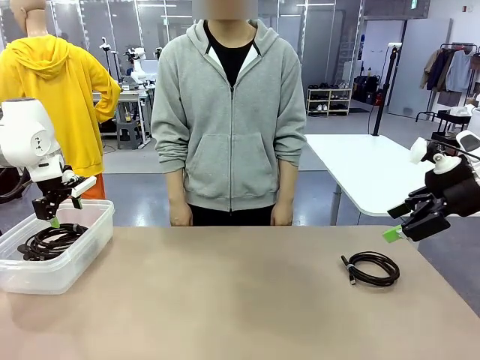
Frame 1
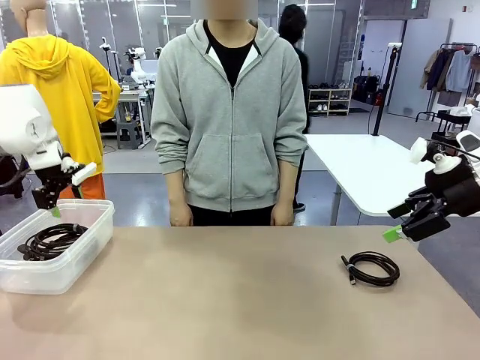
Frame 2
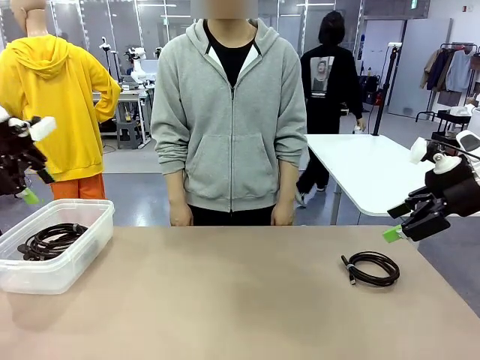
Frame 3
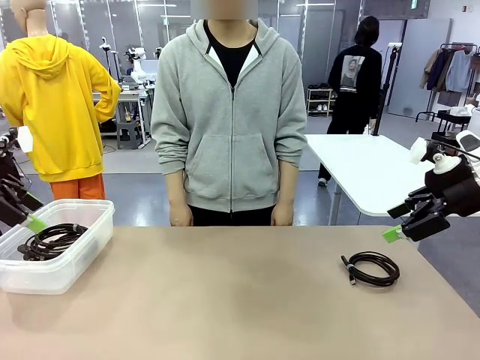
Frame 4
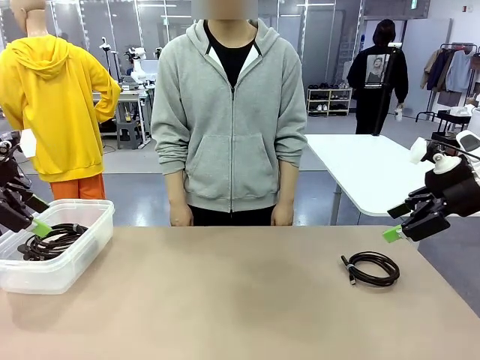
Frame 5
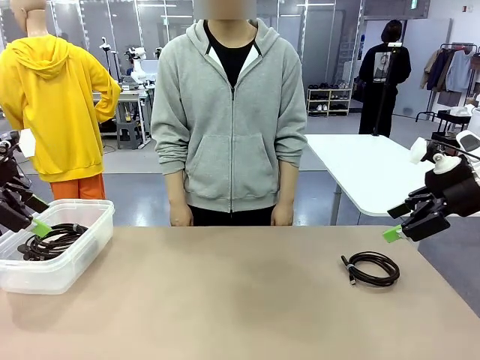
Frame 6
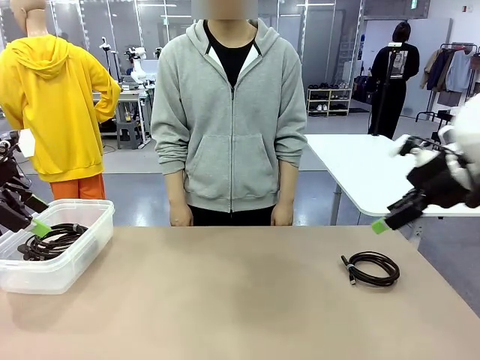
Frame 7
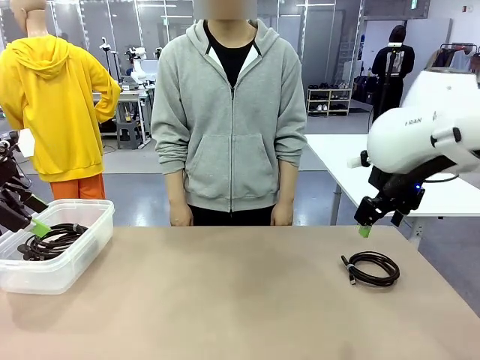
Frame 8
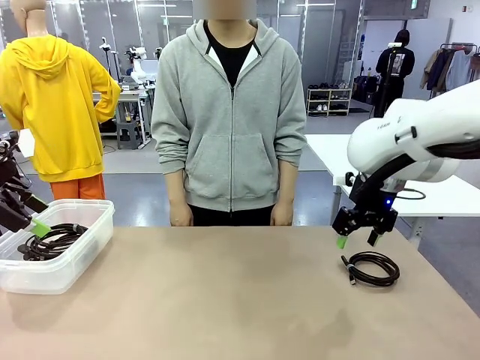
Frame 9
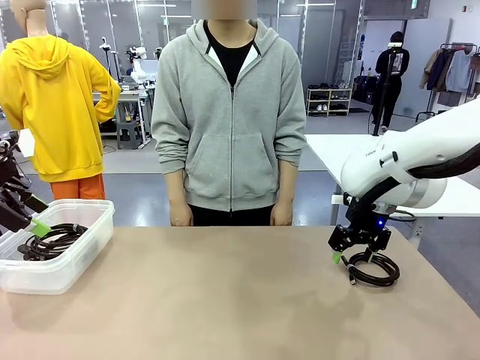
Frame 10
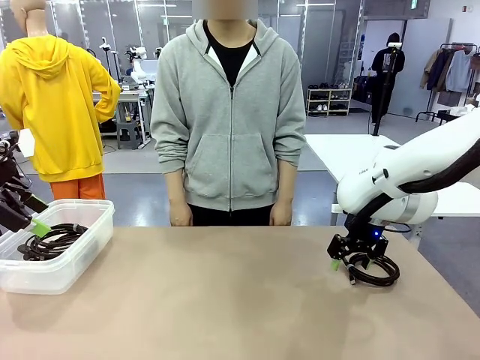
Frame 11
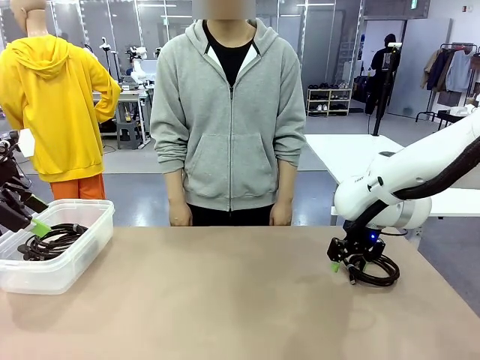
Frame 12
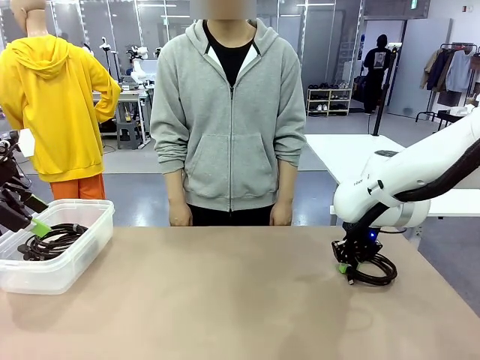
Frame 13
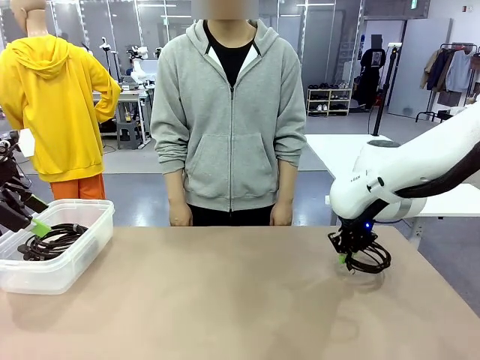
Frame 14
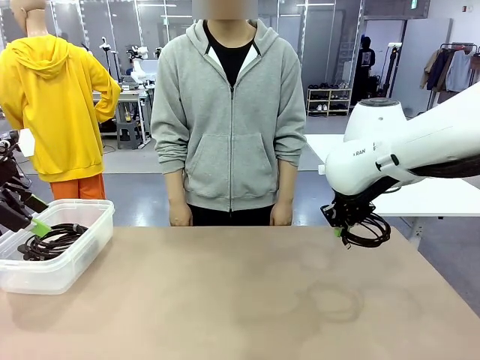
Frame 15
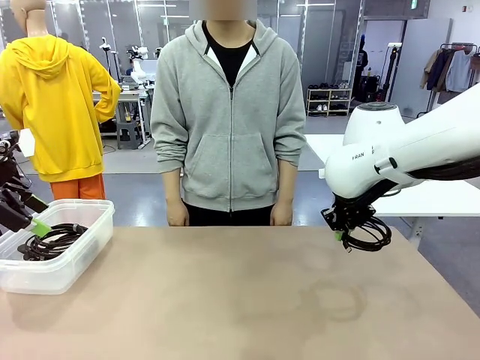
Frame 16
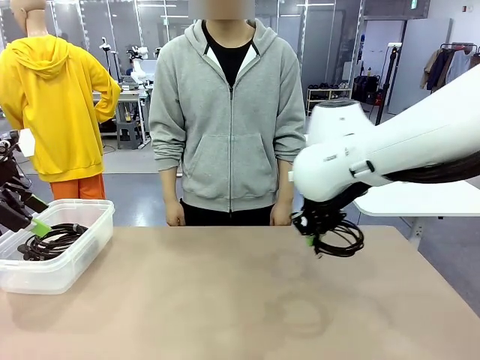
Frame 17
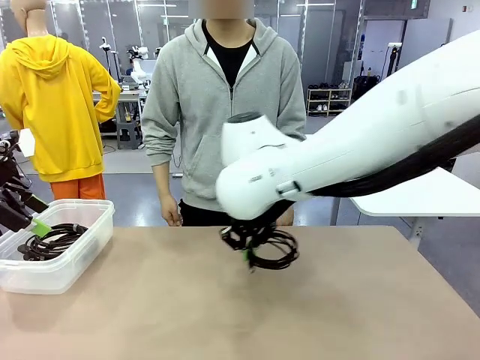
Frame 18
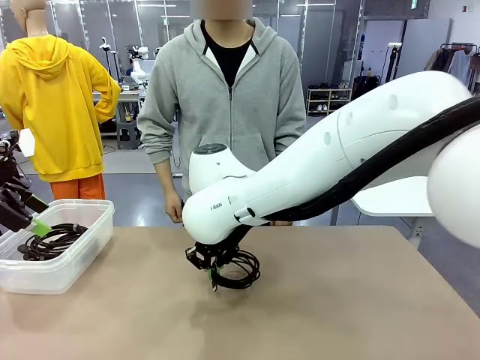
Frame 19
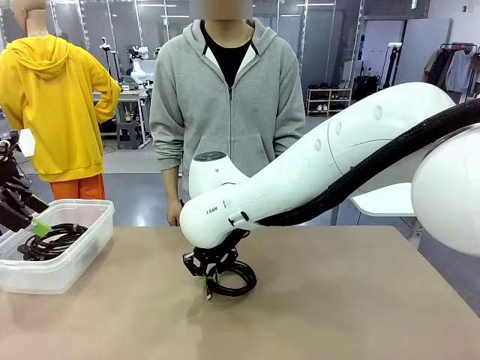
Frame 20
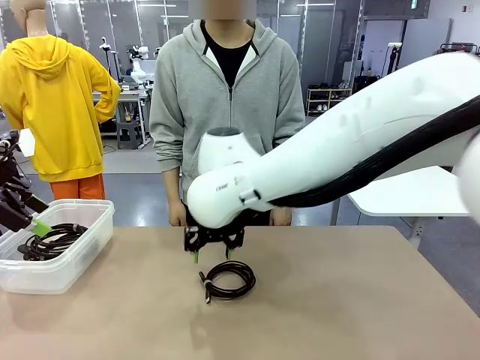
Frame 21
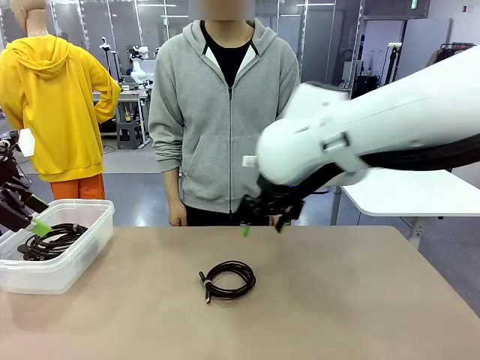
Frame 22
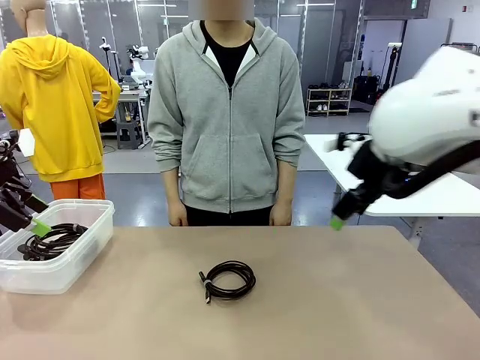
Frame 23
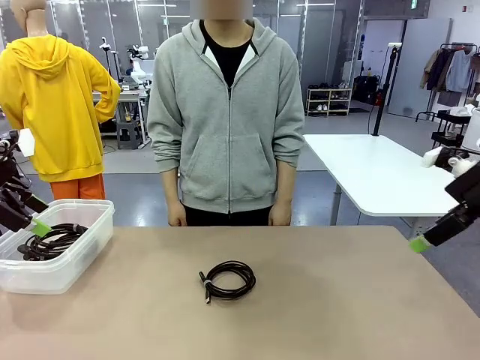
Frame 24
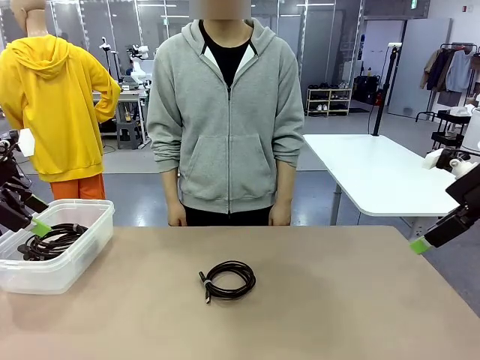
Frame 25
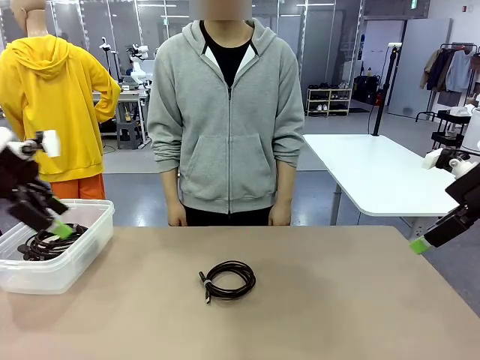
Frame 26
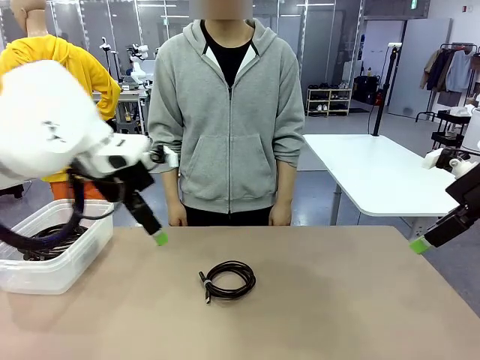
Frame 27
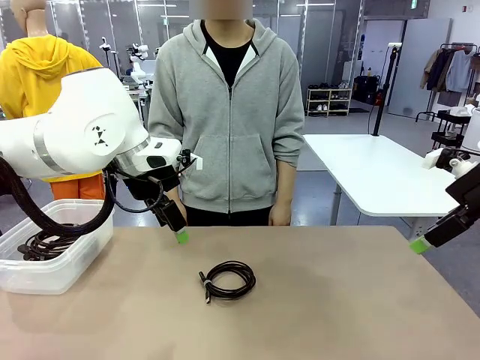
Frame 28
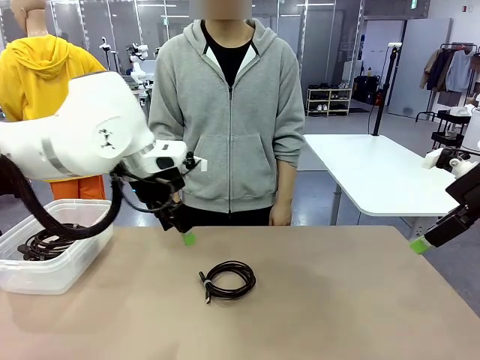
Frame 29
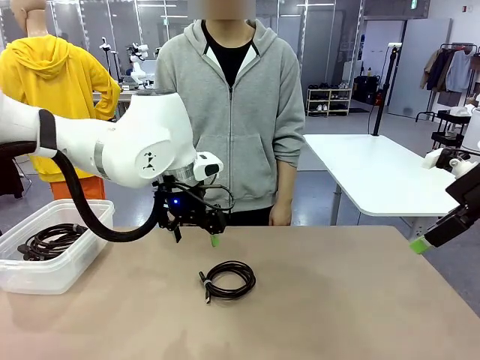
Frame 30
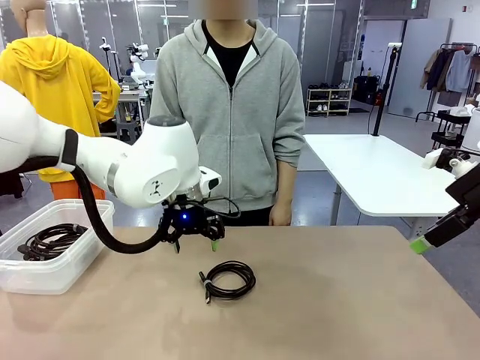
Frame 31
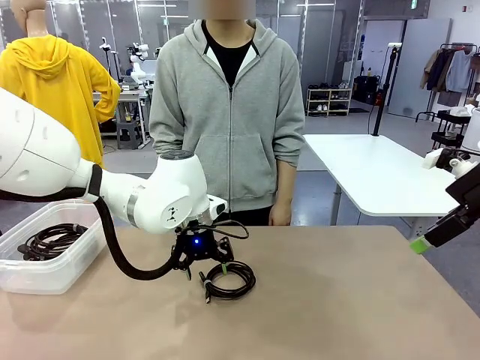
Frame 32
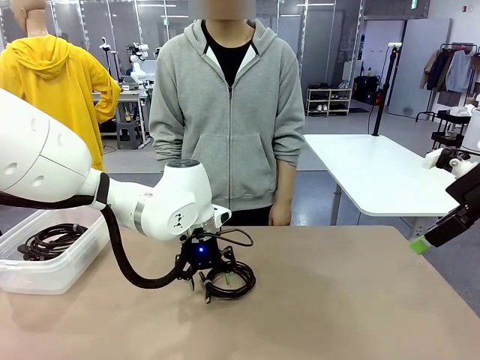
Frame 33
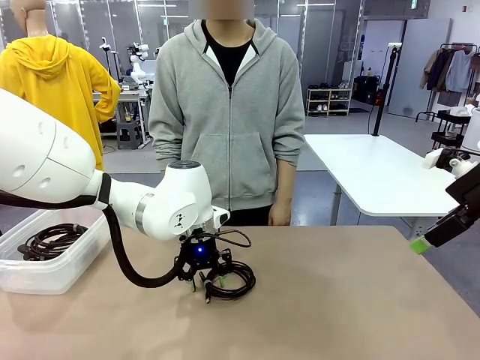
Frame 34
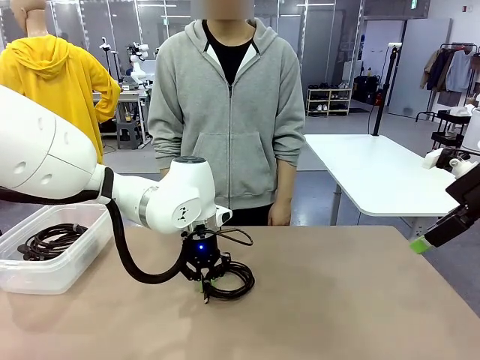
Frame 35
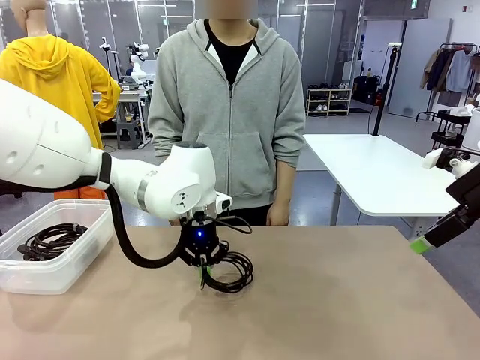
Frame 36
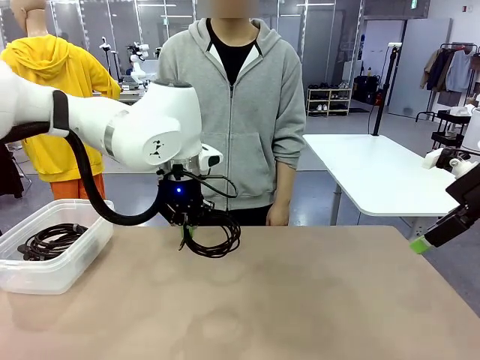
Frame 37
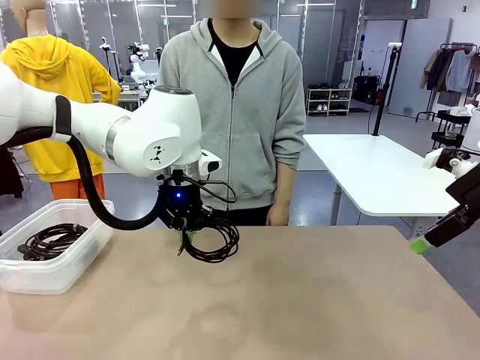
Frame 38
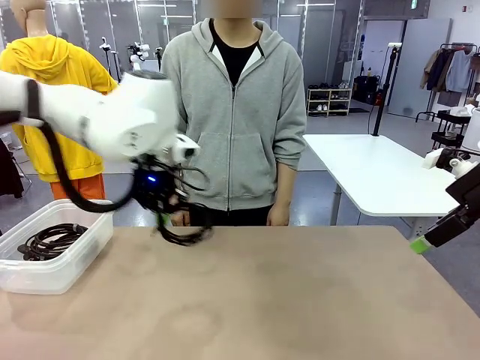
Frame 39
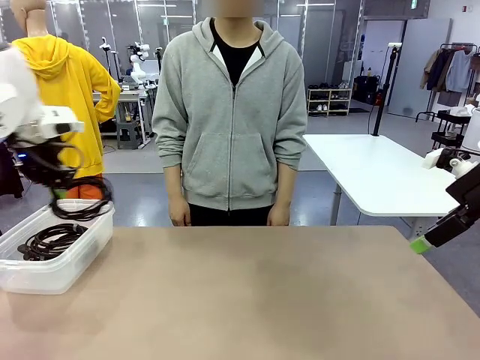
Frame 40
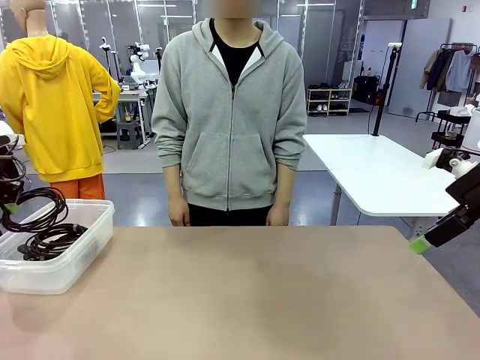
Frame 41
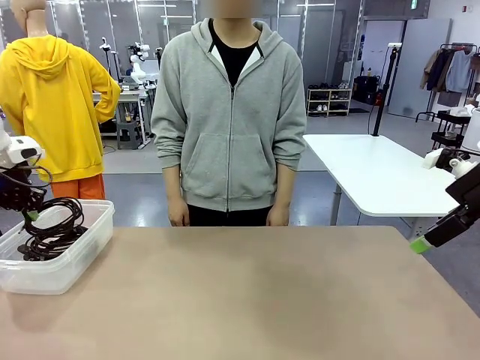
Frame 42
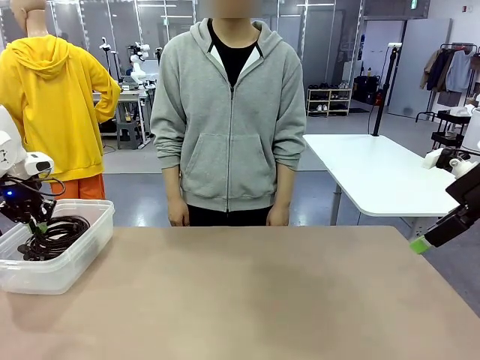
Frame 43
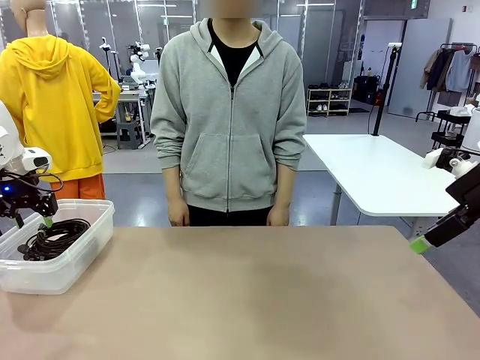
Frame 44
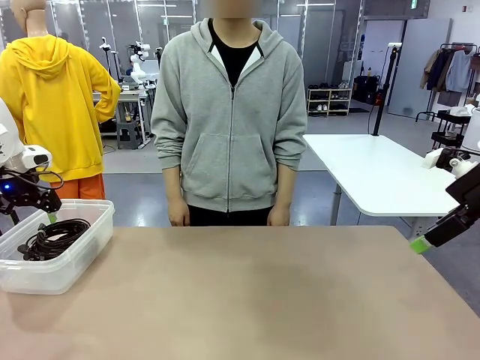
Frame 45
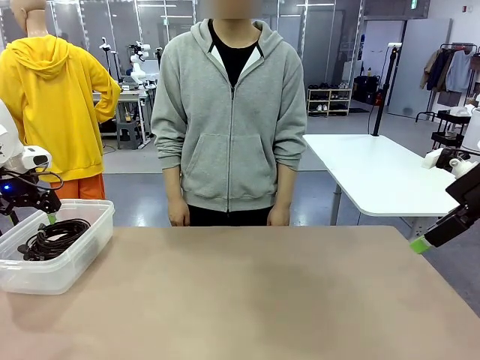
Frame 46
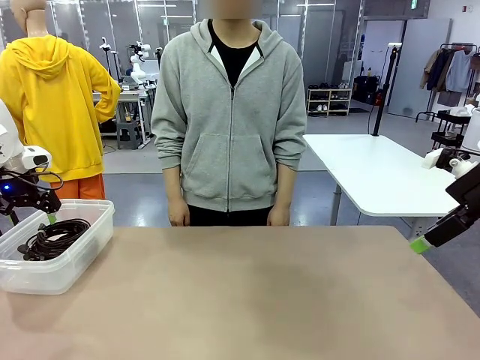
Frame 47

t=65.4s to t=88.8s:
Task: Organize and store the cables.
Robot: Place the USB Extension Cable into the Organizing box.

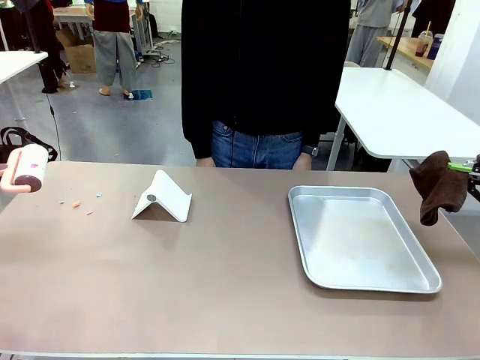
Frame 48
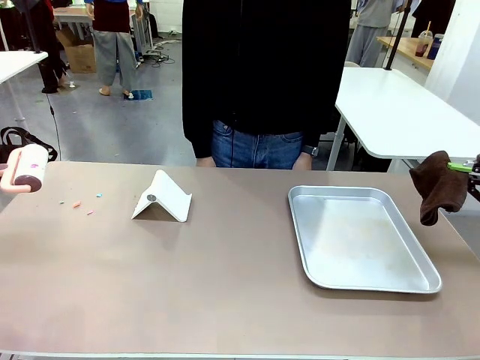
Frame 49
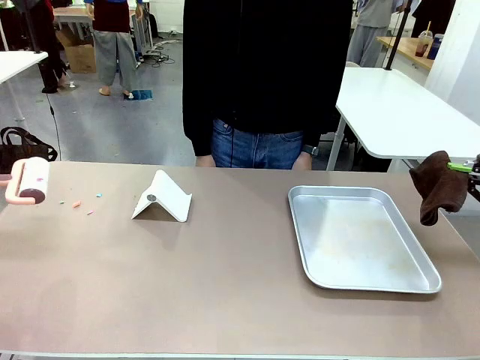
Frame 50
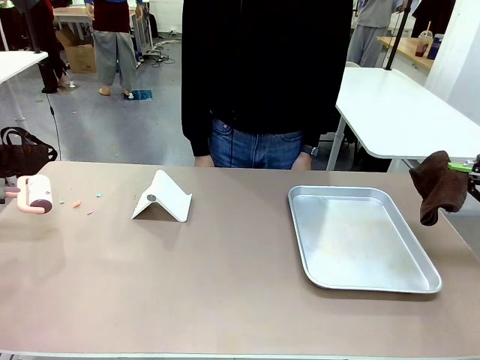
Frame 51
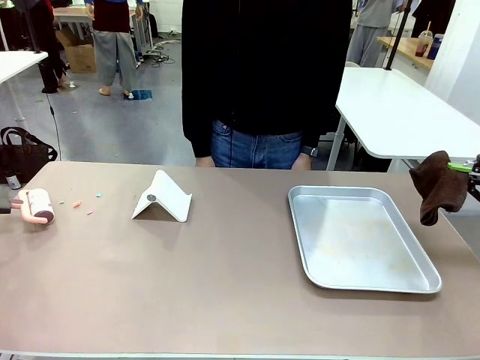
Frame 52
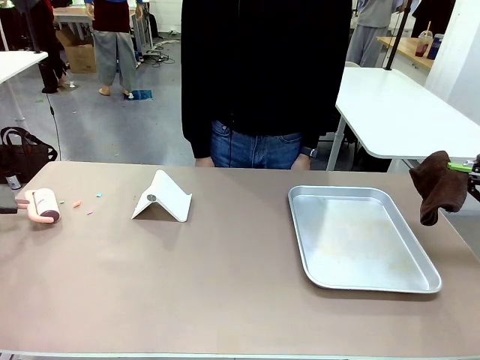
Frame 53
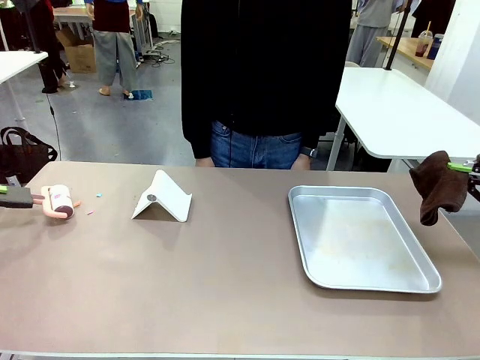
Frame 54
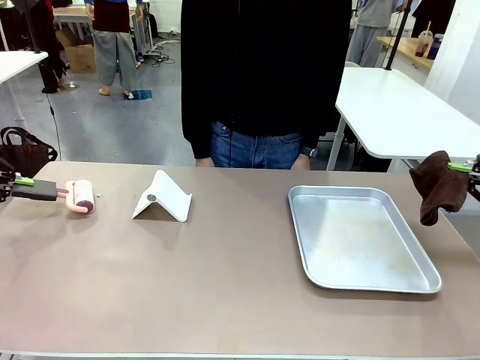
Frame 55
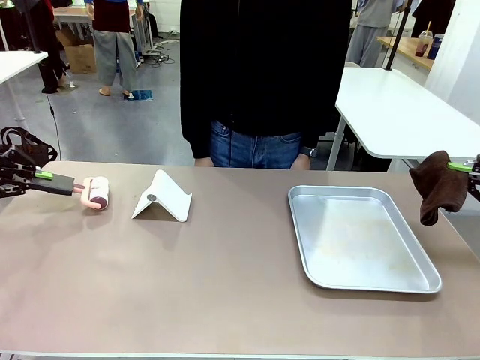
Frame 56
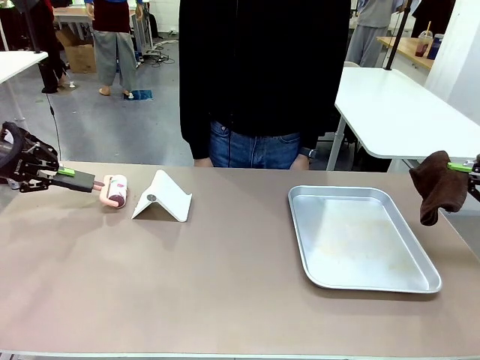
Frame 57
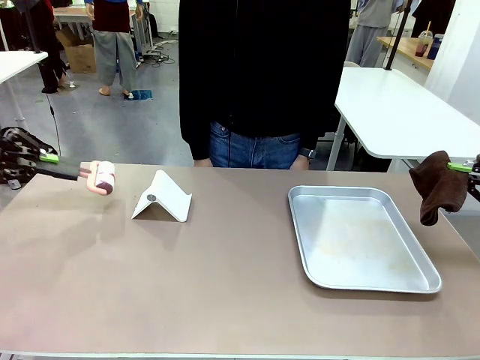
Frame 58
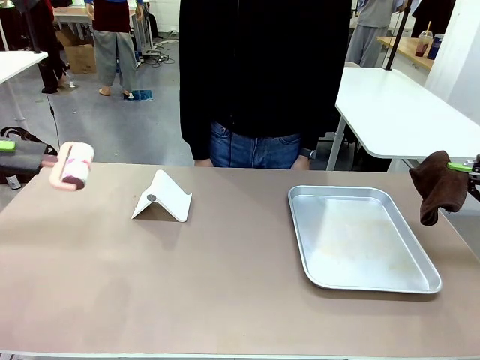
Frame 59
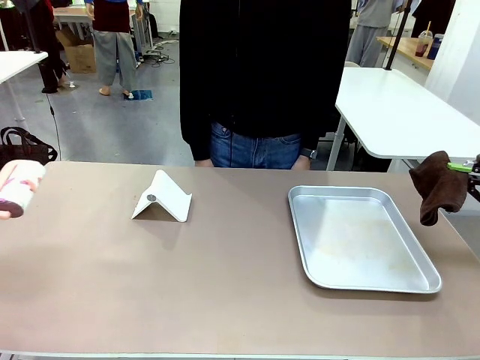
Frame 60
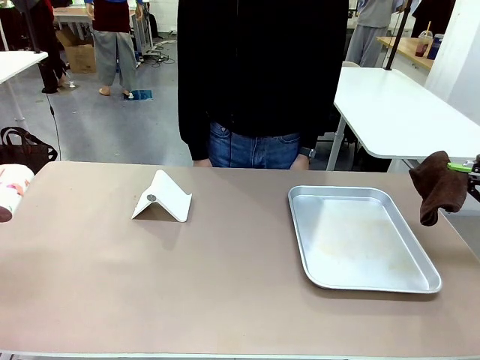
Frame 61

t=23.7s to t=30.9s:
Task: Clean the surface of the table.
Robot: Clean the area not pointed to by the person.
